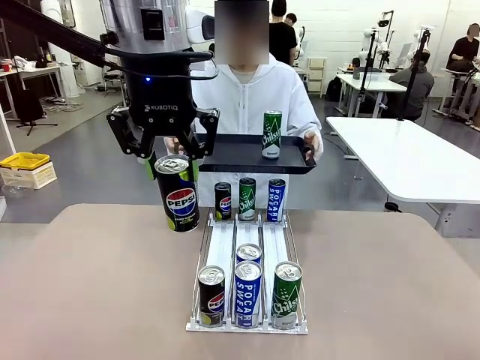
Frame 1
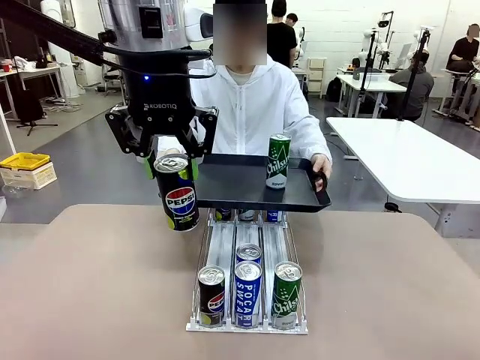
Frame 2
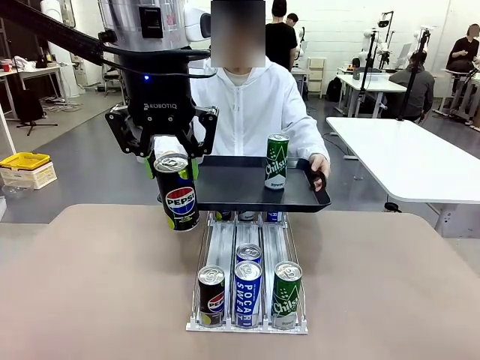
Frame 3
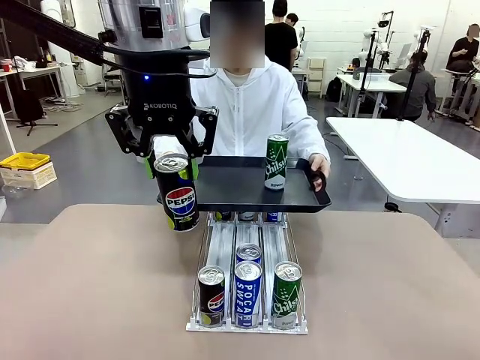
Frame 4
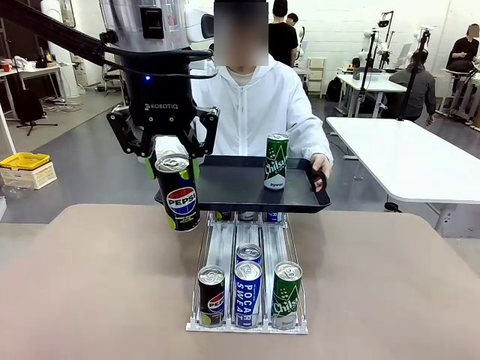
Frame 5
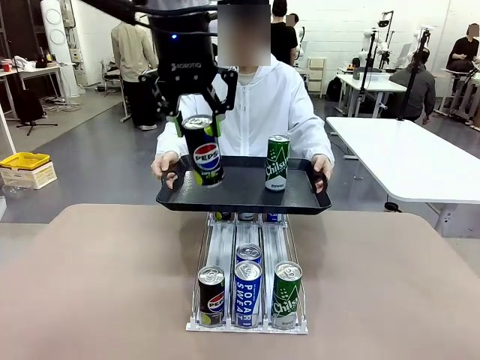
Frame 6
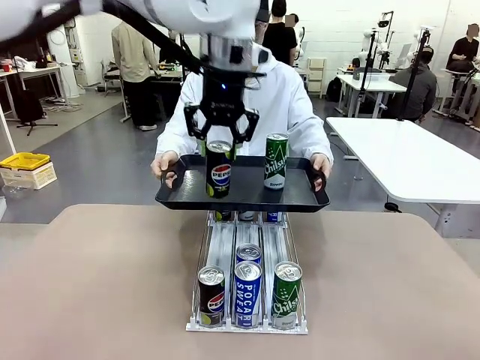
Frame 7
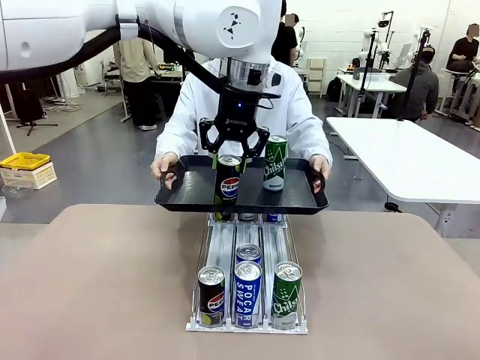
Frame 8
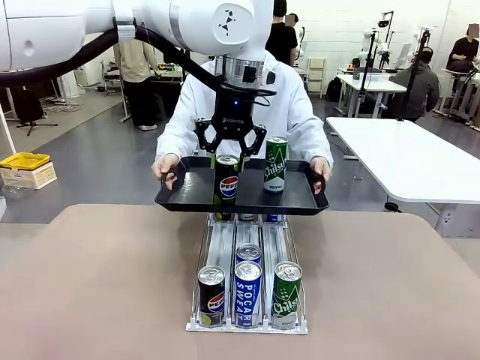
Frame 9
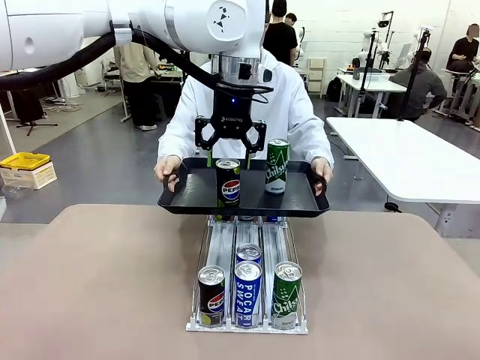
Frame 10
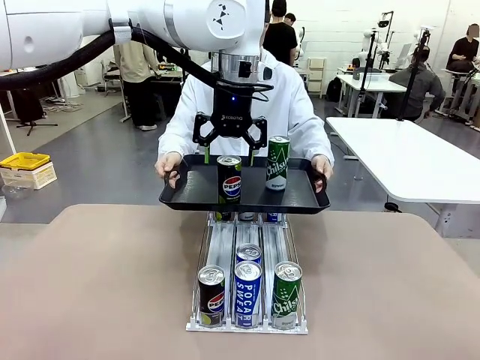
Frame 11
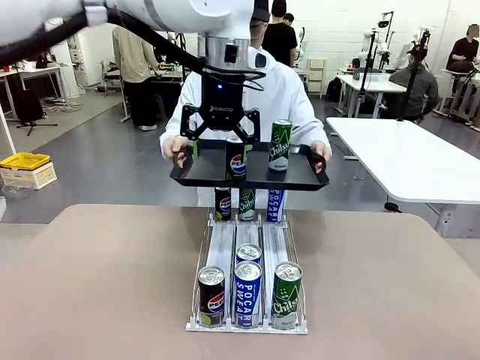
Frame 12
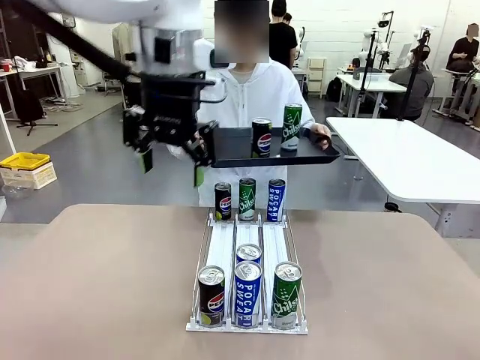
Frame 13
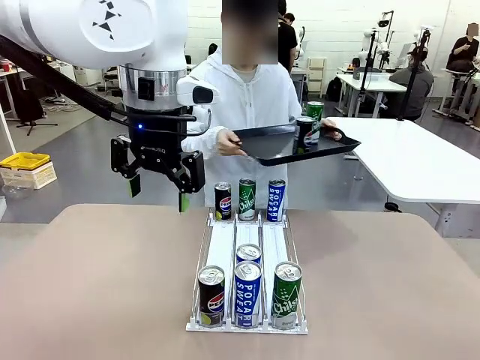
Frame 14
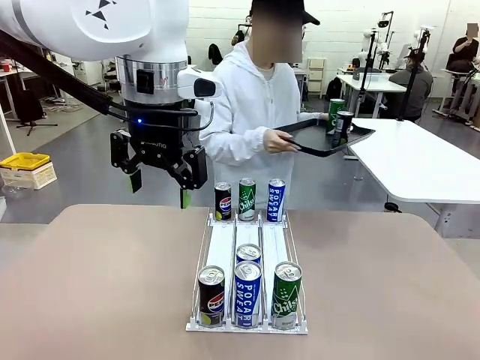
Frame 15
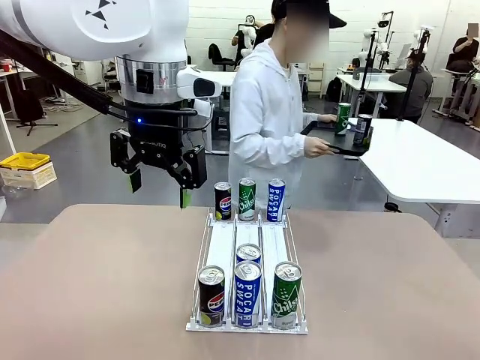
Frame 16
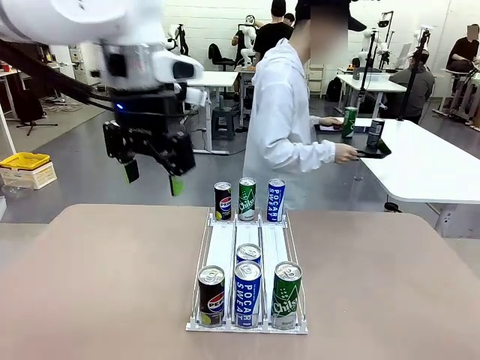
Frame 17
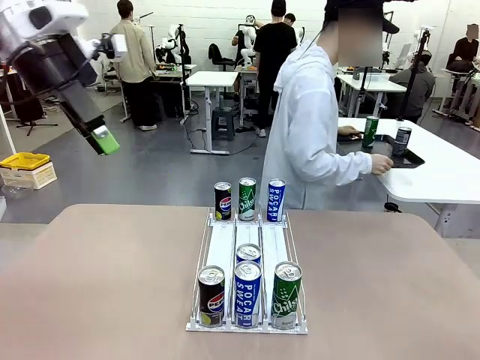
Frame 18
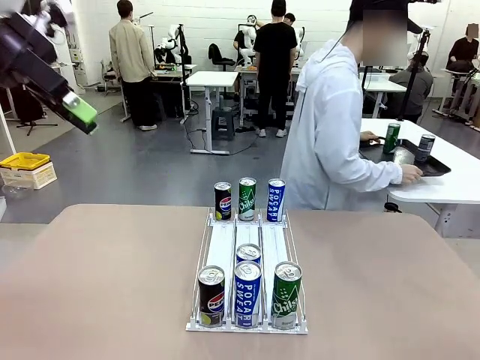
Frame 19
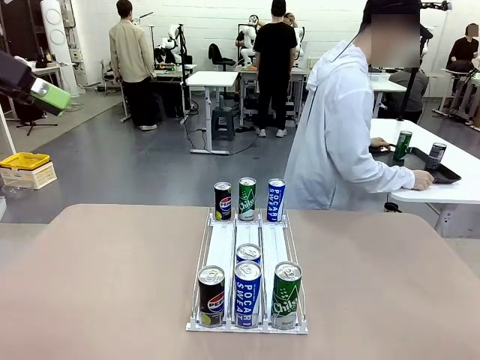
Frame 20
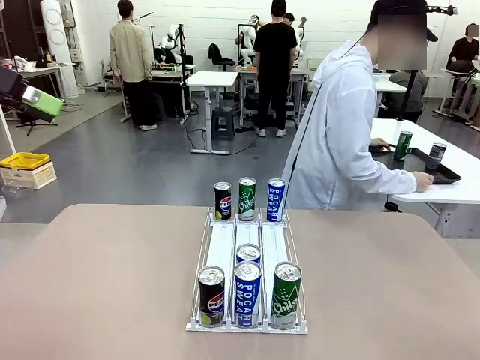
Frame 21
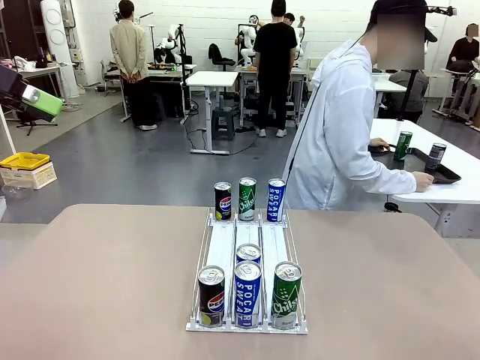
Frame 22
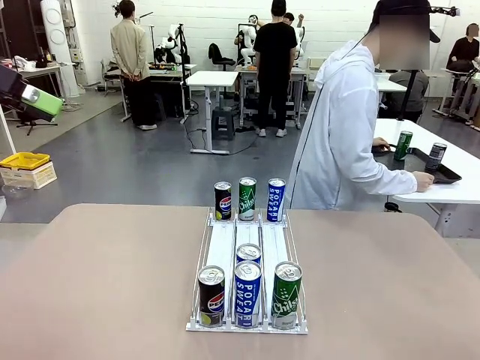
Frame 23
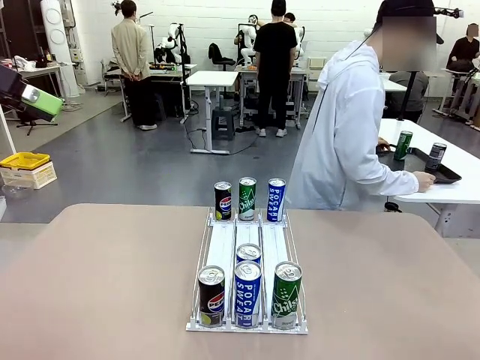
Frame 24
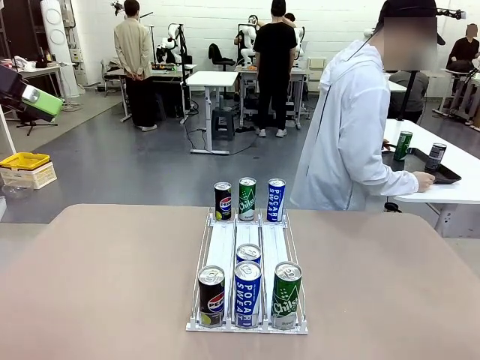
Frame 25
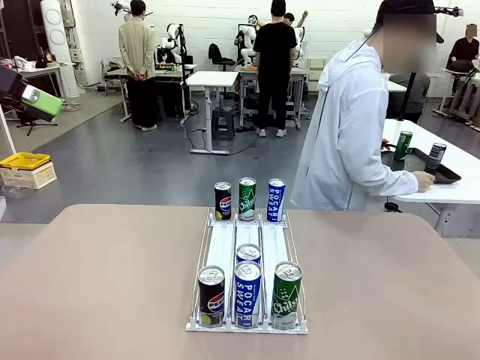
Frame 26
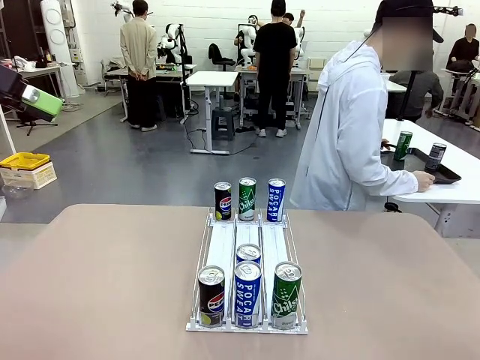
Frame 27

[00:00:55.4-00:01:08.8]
Task: Retrieve and hand over the desired beverage to the person.
Robot: Place the picked can on the Handle tray extended by the person.
Person: Pull the tray back and place it at the center of the human table.

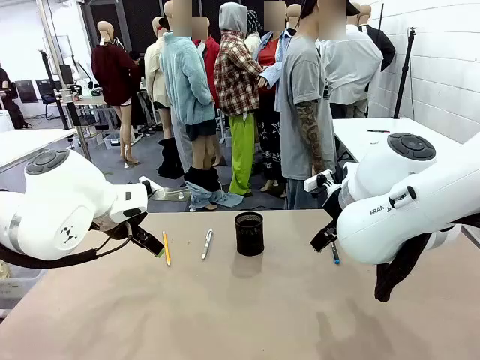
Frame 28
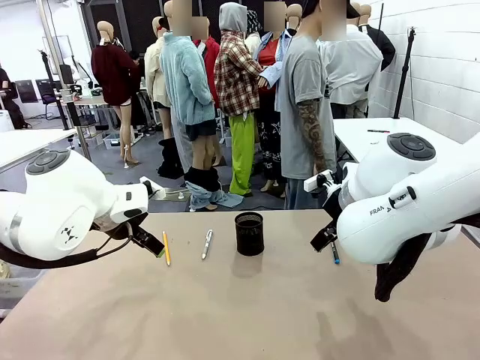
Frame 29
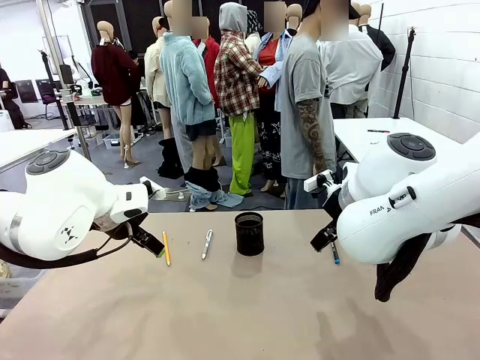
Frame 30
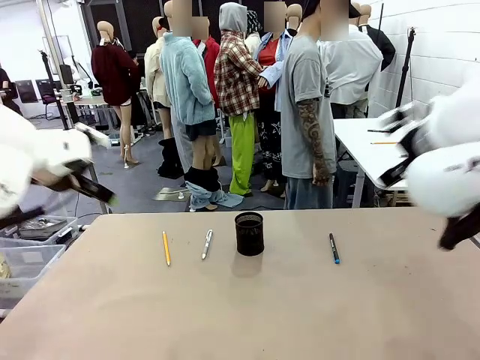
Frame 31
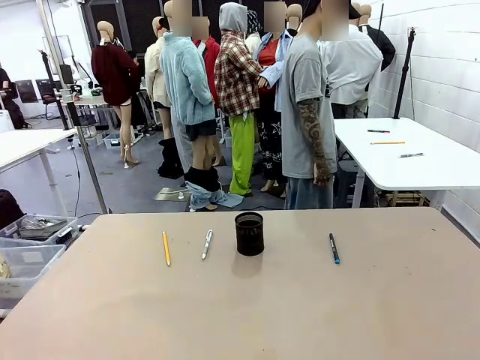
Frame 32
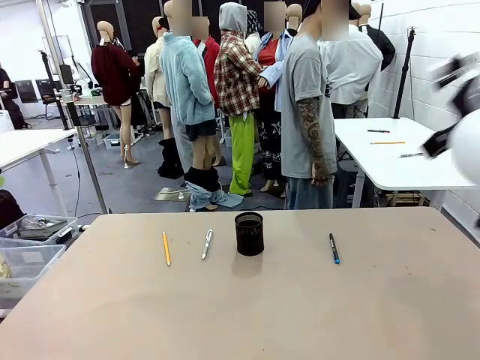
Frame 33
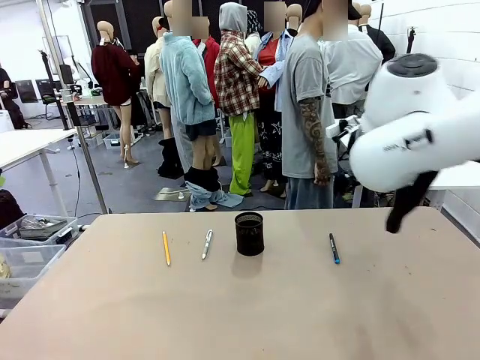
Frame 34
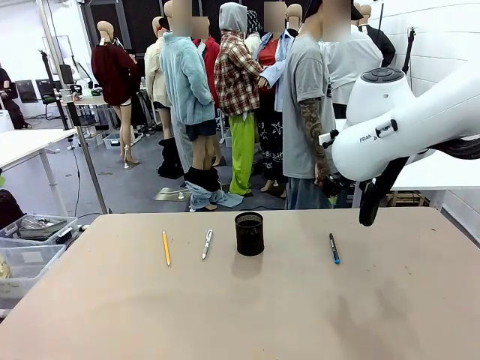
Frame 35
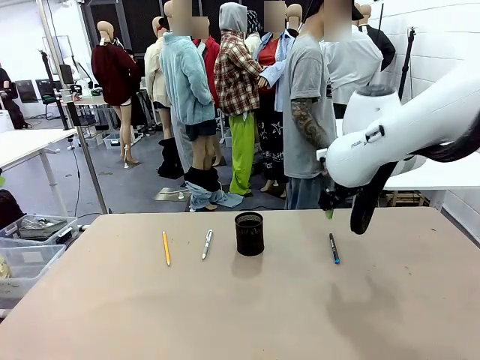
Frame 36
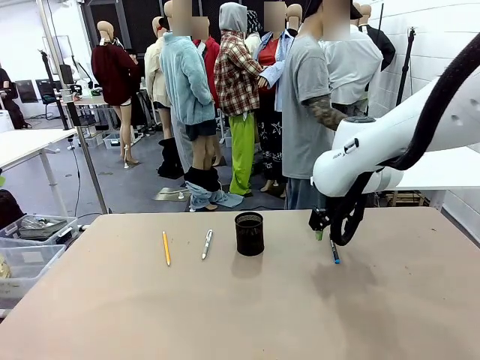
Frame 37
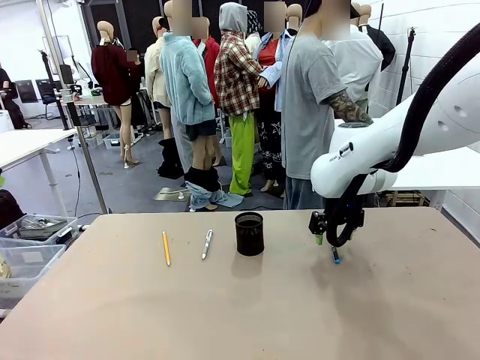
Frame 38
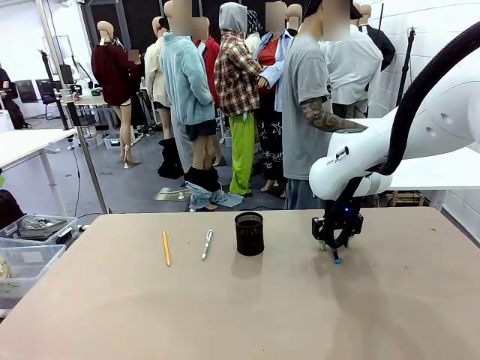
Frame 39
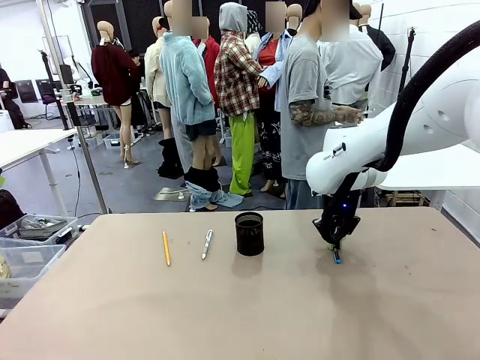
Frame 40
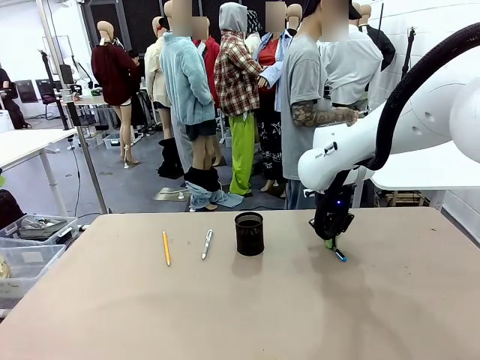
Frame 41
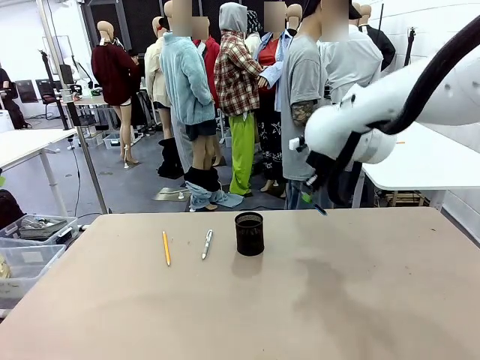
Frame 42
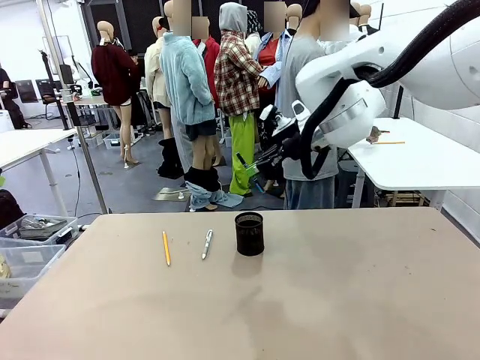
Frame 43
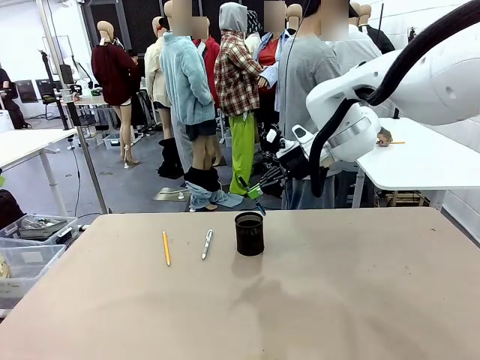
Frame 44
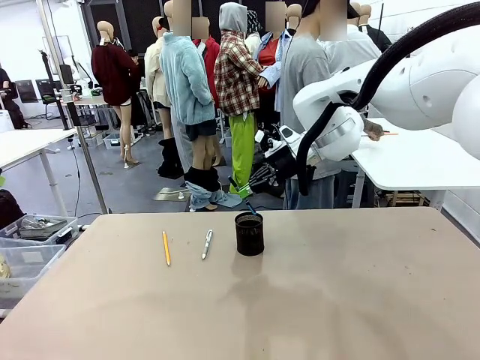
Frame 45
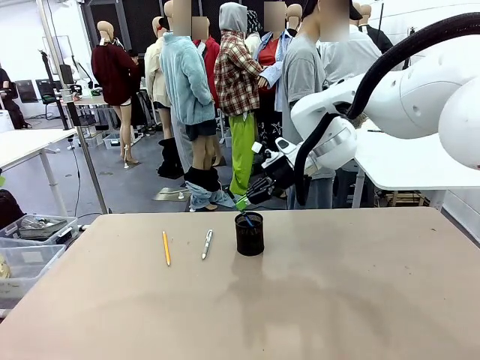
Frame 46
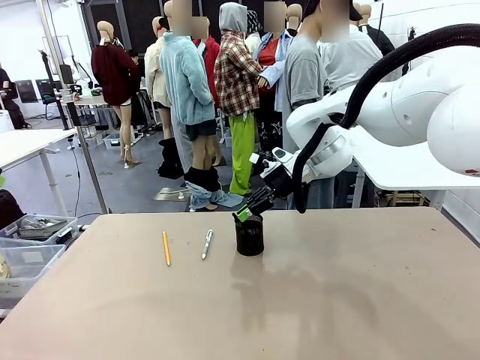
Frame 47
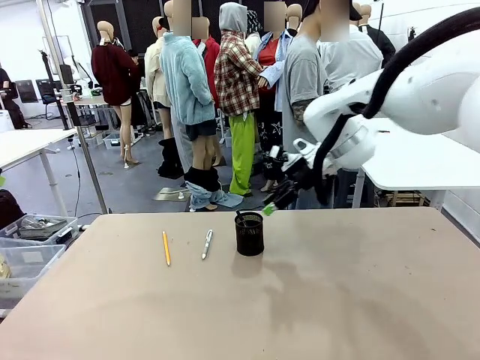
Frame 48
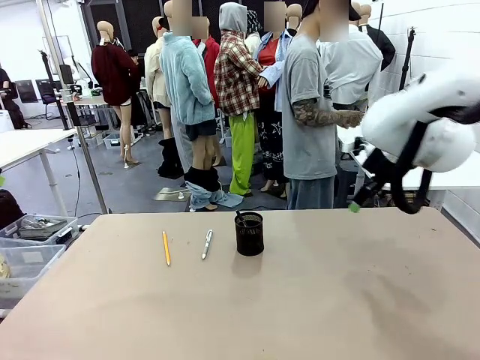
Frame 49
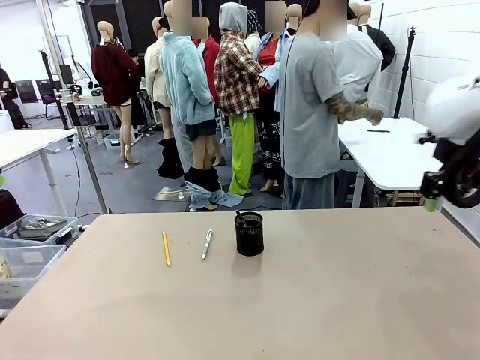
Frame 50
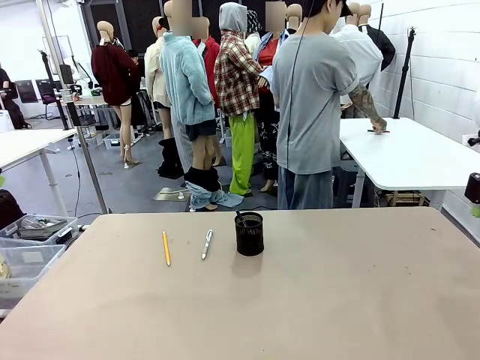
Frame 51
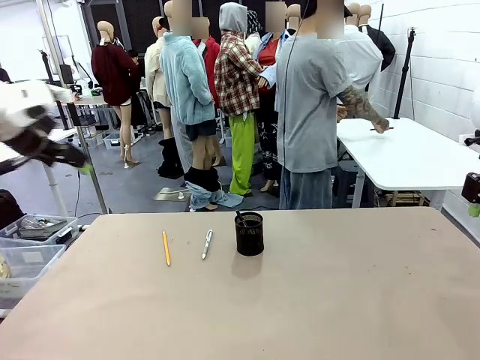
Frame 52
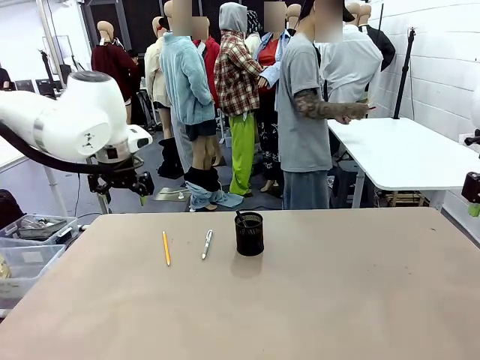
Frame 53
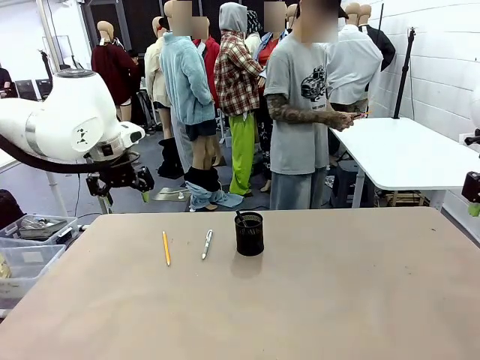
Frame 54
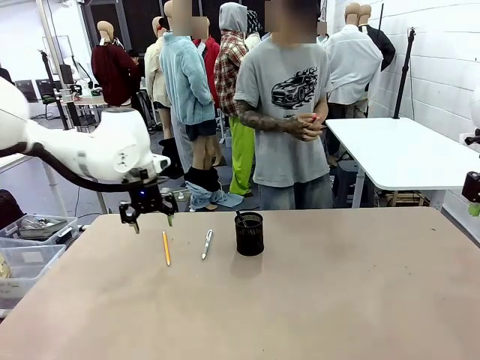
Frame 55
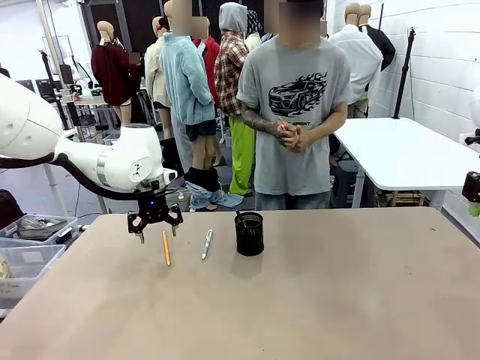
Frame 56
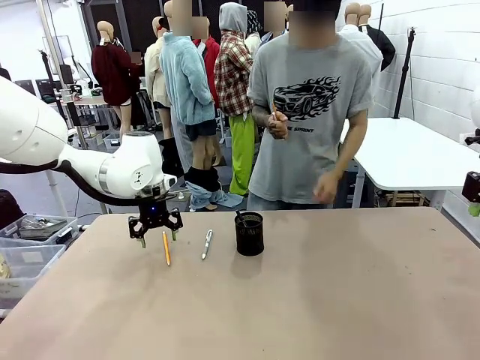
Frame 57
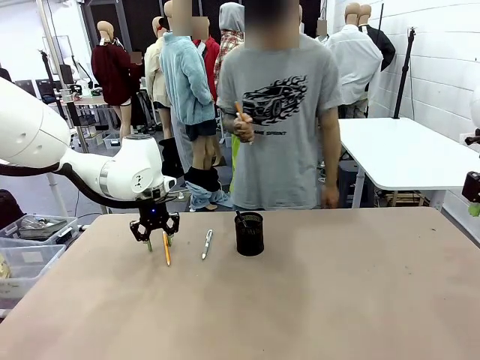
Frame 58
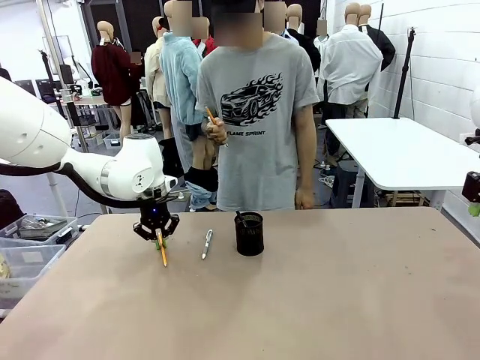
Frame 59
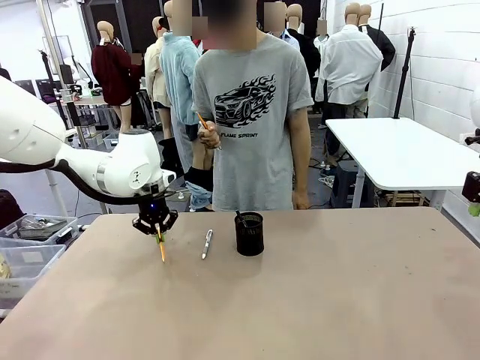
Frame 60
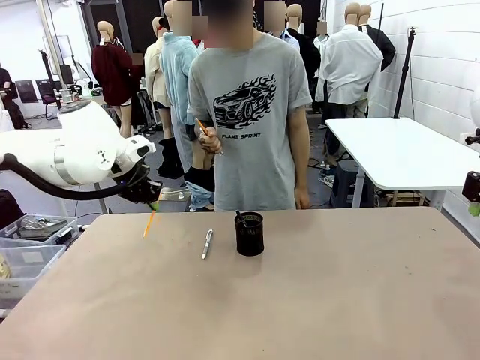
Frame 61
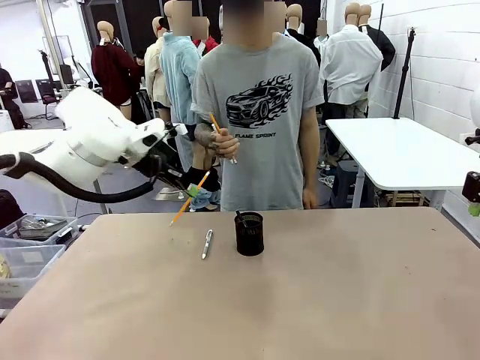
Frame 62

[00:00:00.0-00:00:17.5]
Task: Place the pens into the pen holder.
Robot: Pick up a writing instrument from the table and place it into the Pen holder.
Person: Pick up all writing instruments from the Human table.
